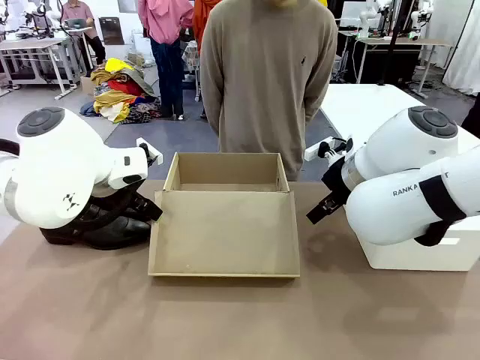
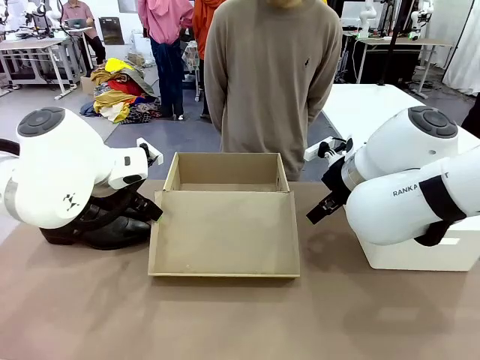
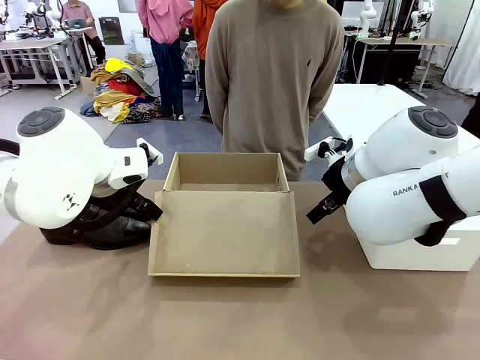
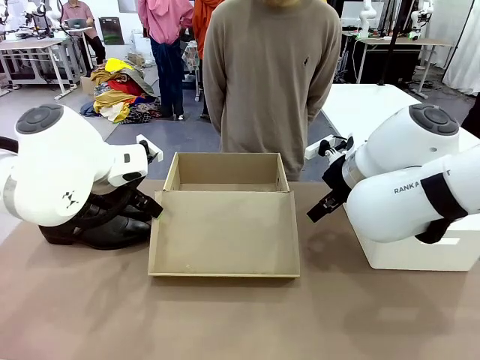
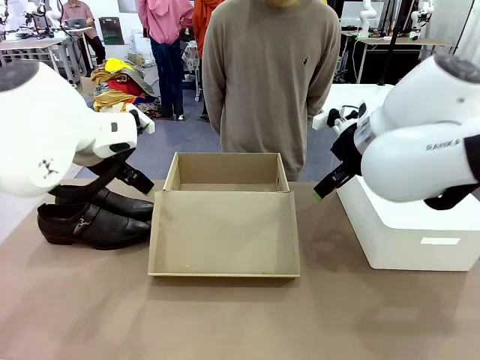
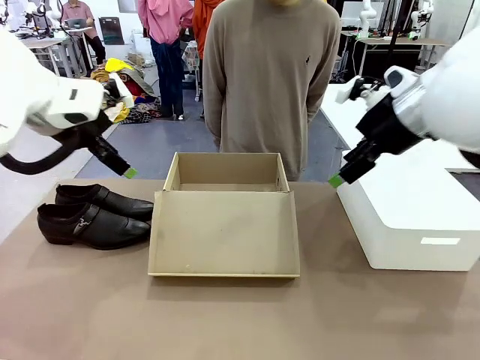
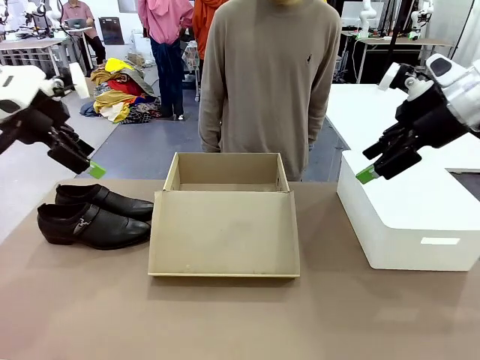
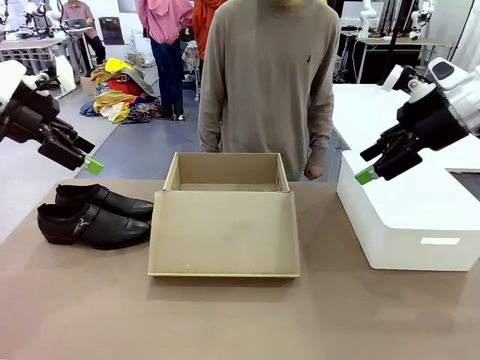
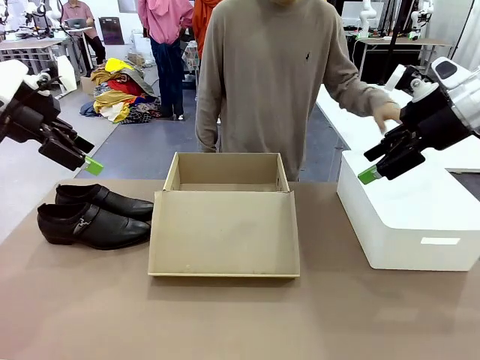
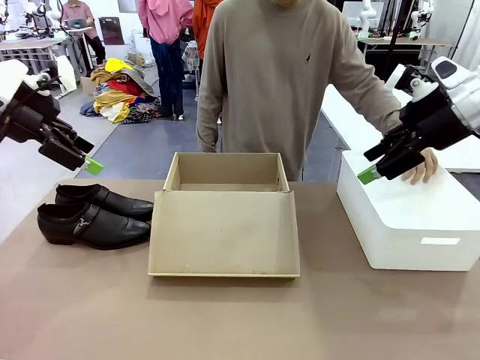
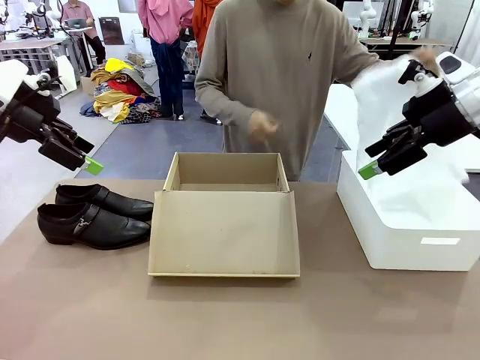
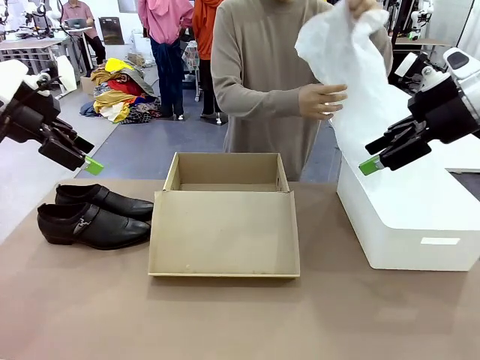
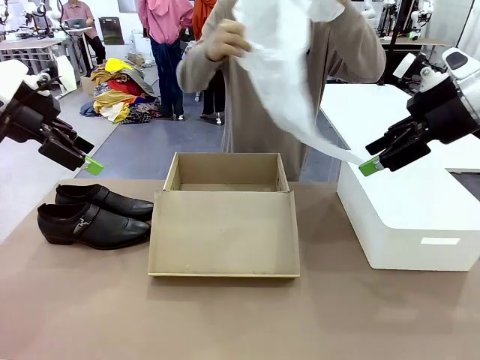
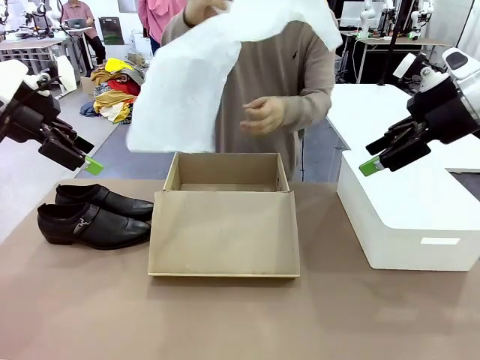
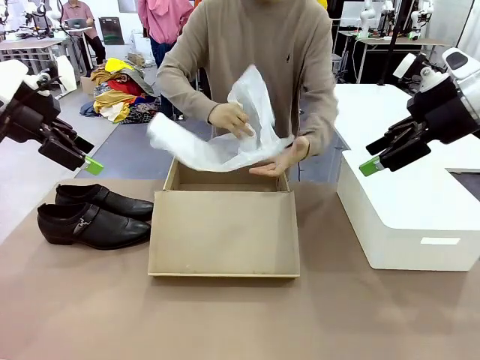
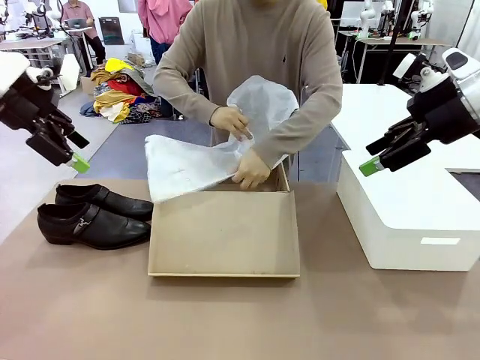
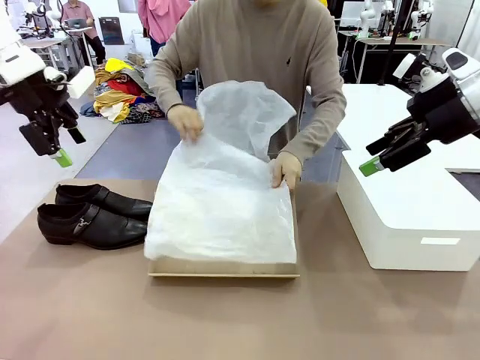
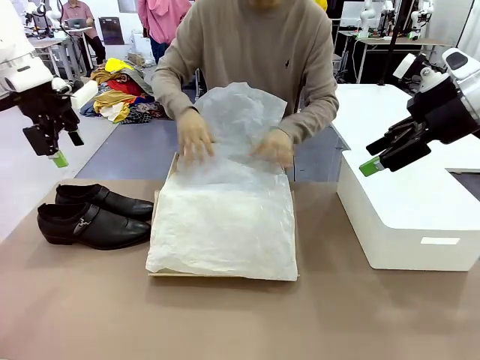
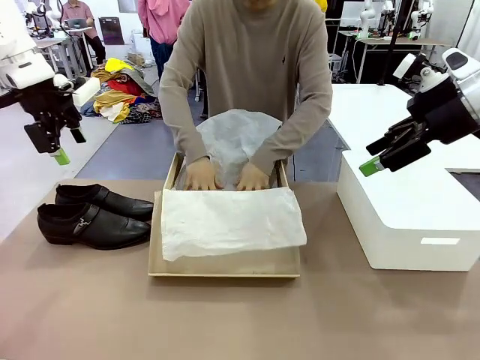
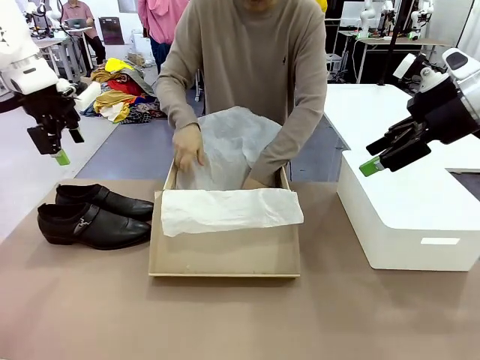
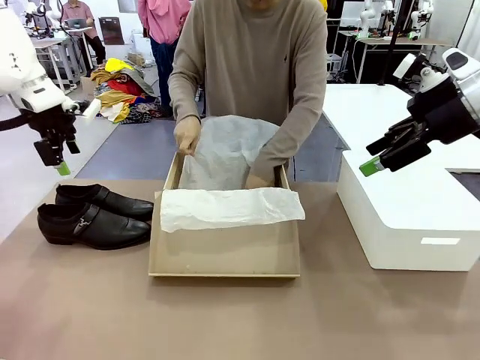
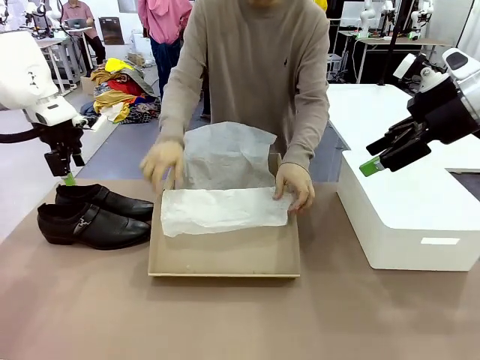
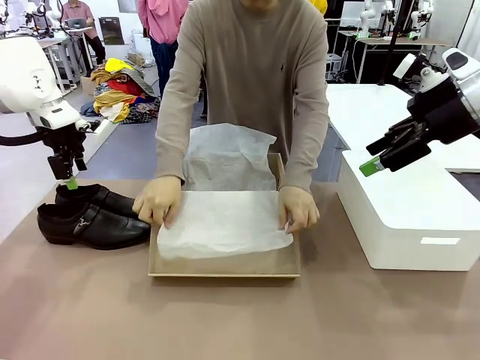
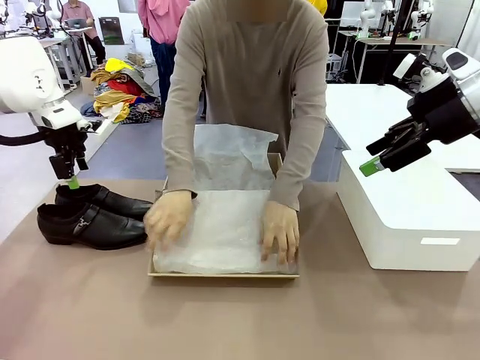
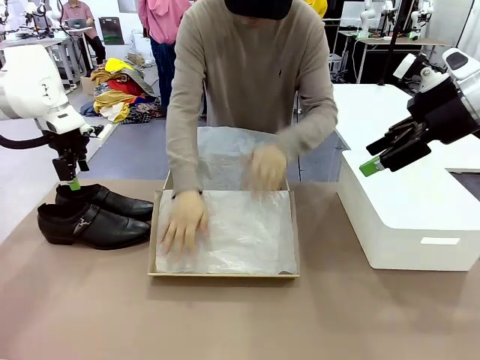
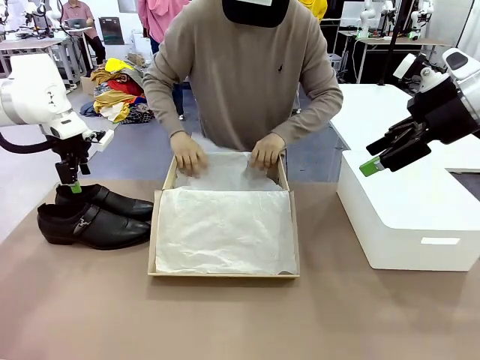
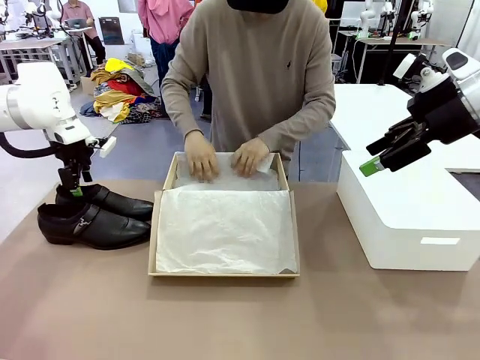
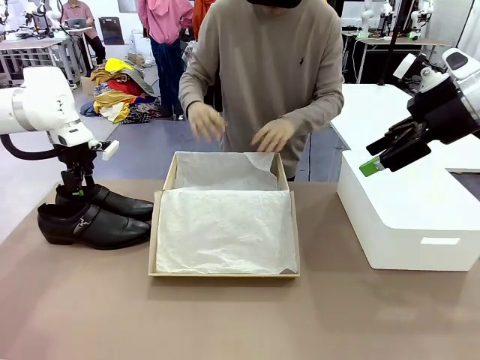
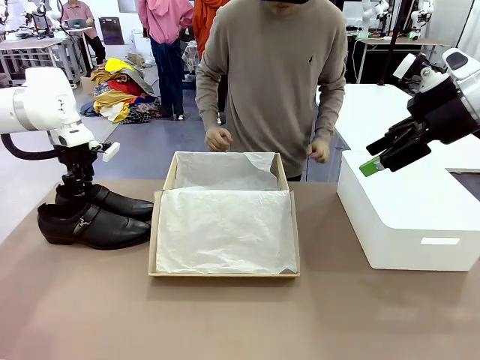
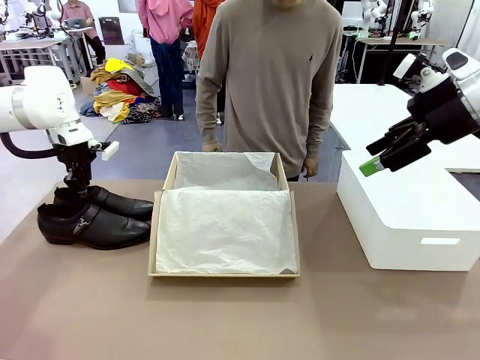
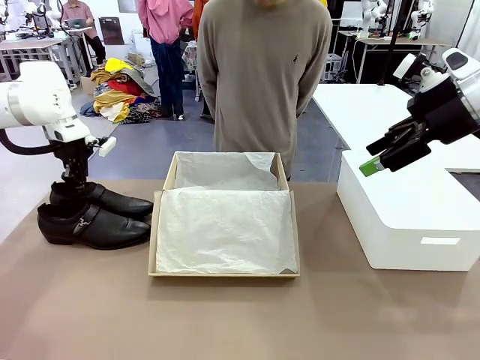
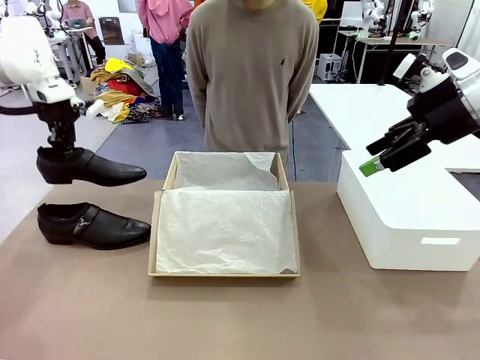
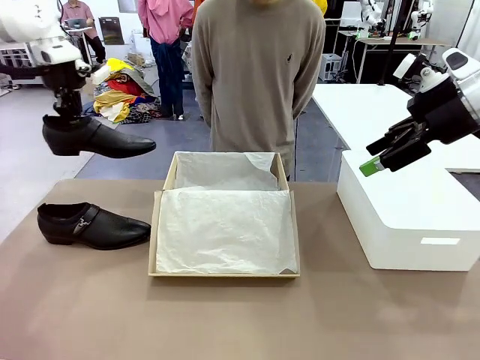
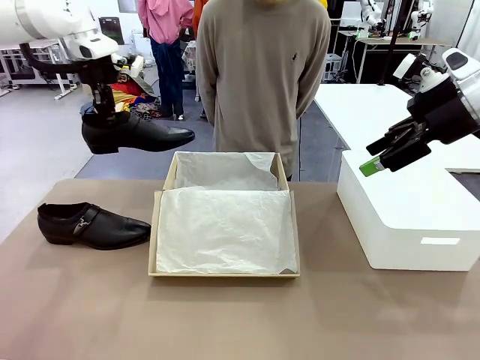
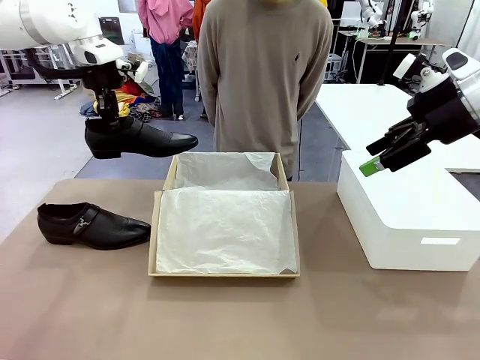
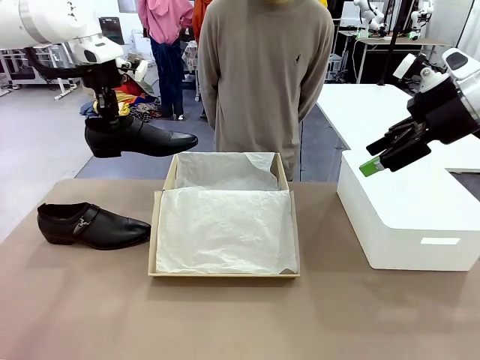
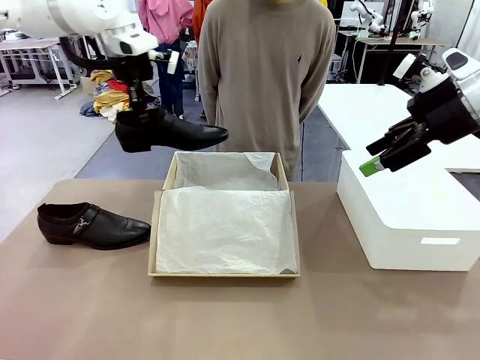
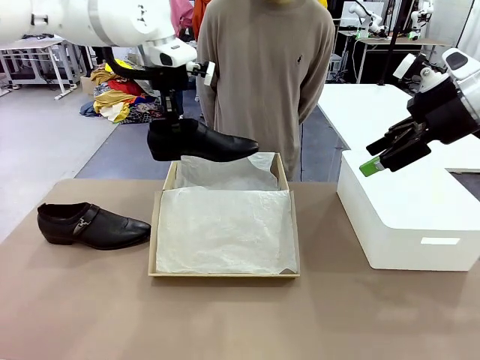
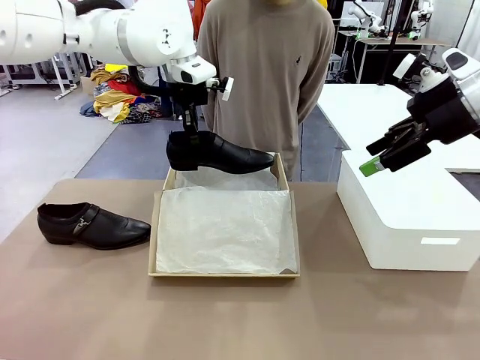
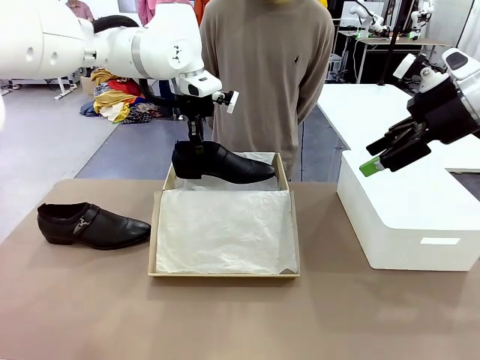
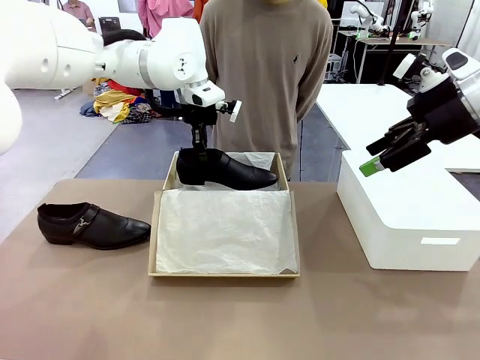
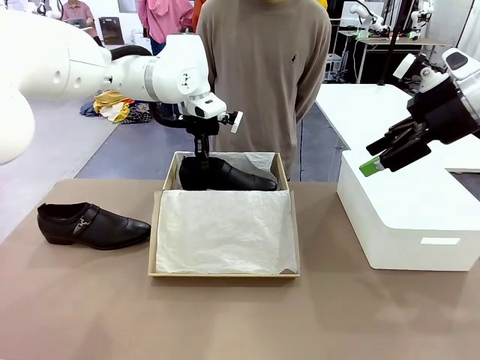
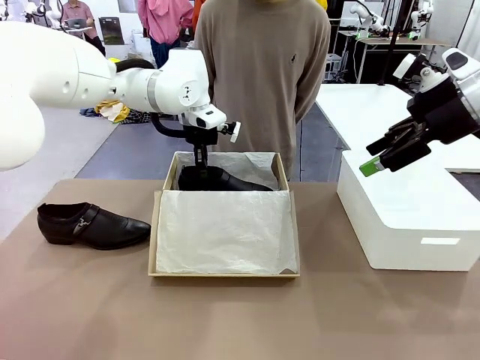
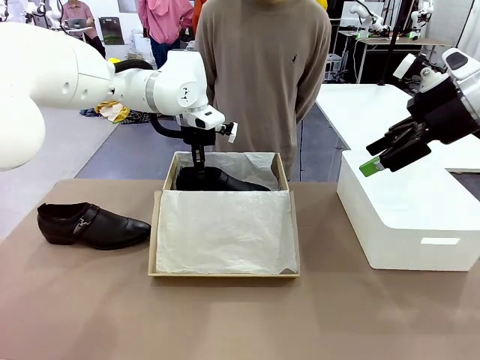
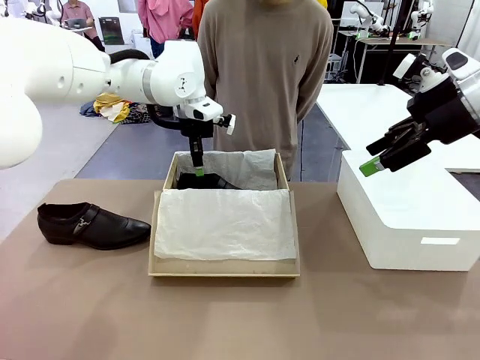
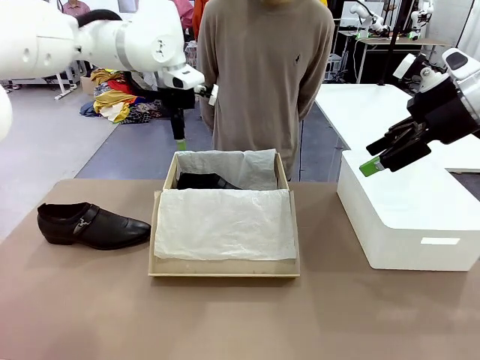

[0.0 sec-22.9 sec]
Task: Pack the shoes into the box.
Robot: Place one shoe of the Shoes into the Shoes Box.
Person: Spread Shoes Wrapping Paper and place inside the Shoes Box.
